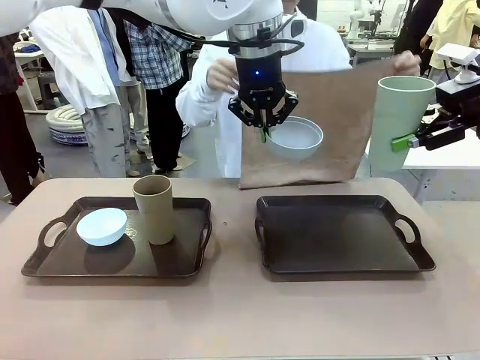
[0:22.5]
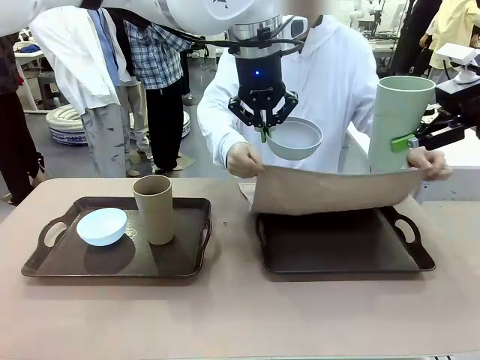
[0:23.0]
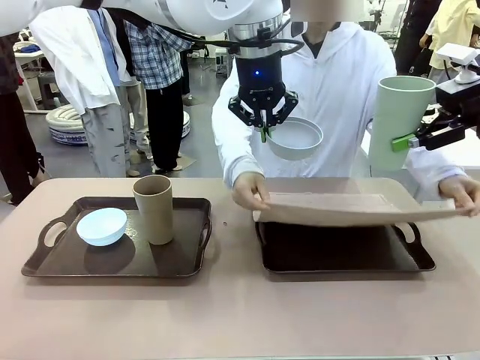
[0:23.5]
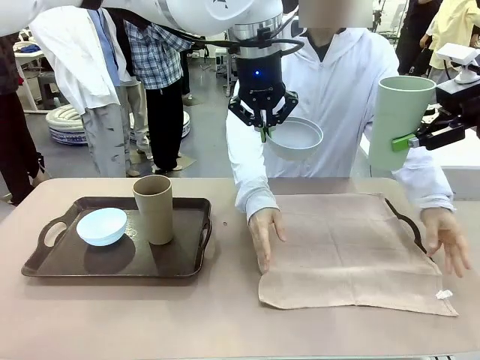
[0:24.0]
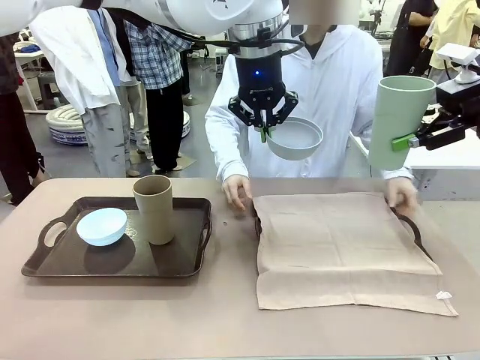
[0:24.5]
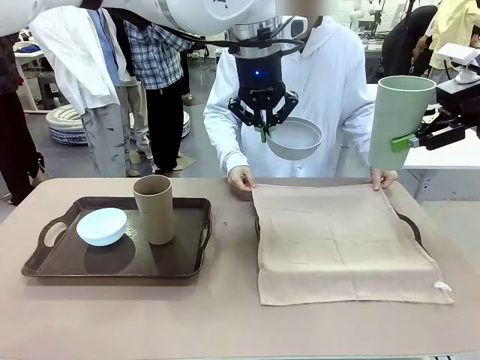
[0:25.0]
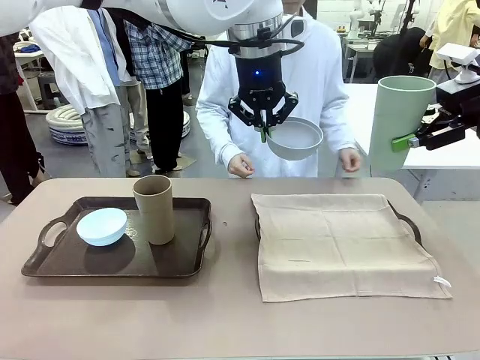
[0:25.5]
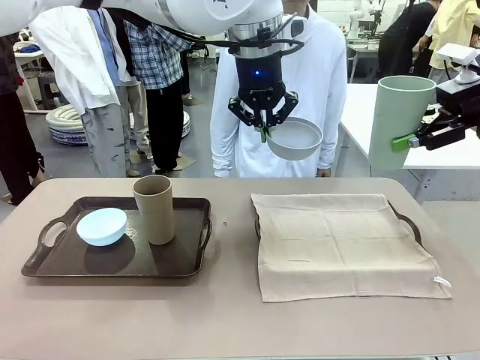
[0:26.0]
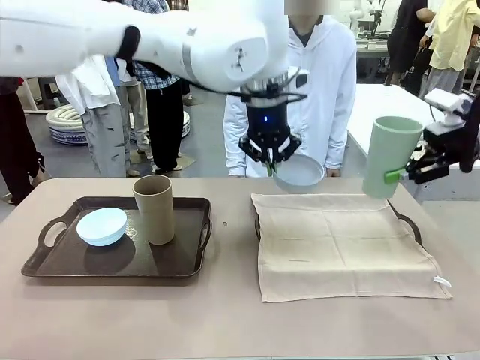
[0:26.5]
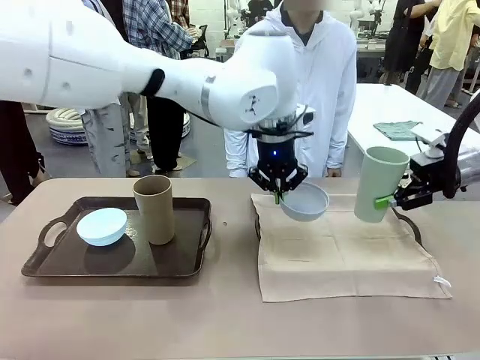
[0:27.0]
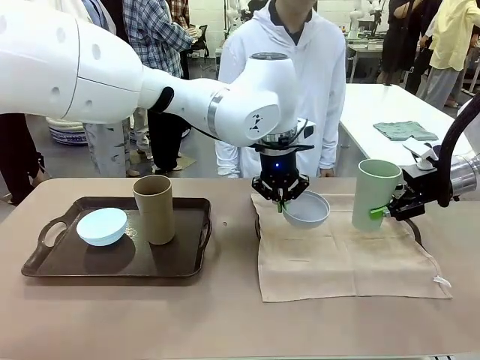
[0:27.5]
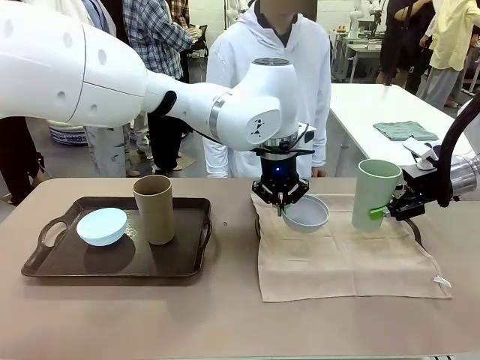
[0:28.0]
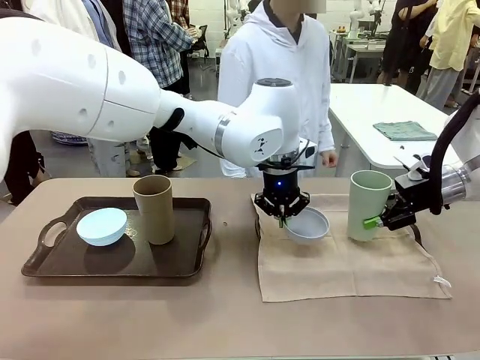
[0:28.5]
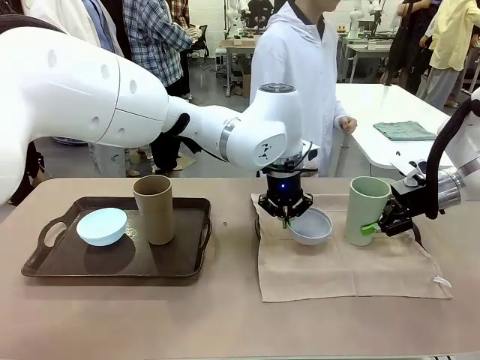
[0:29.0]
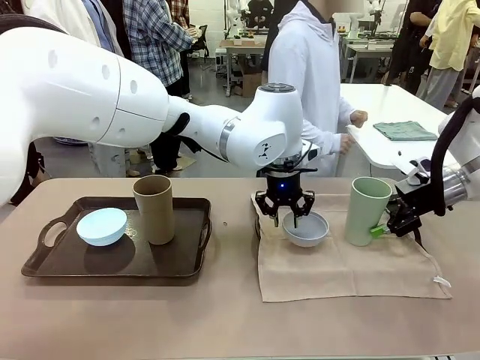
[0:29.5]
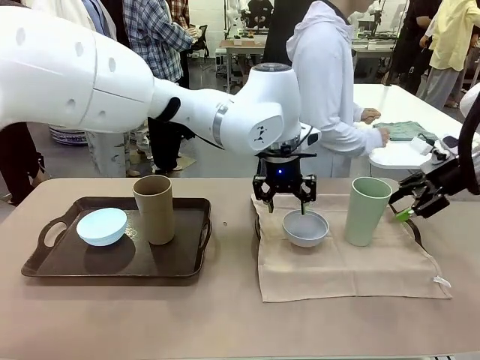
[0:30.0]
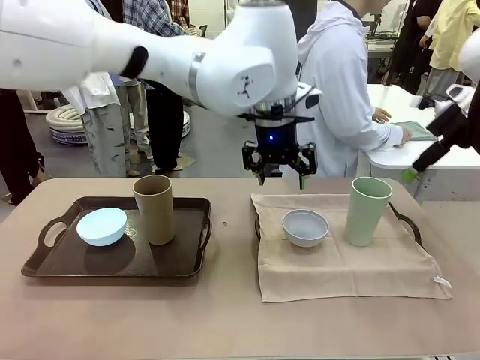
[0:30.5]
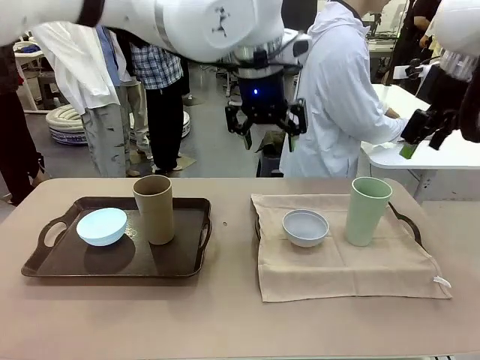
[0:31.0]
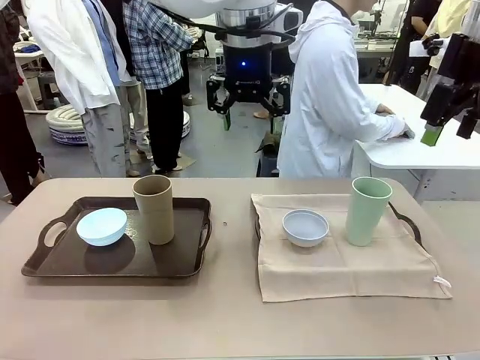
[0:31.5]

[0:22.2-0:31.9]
Robot: Place the Picnic Bowl and Reusable plastic cup back onto the Handle tray in front of the human's position.
Person: The human returns to the human table to pick up another napkin and walks to the robot table to stand in front of the tray without a napkin.

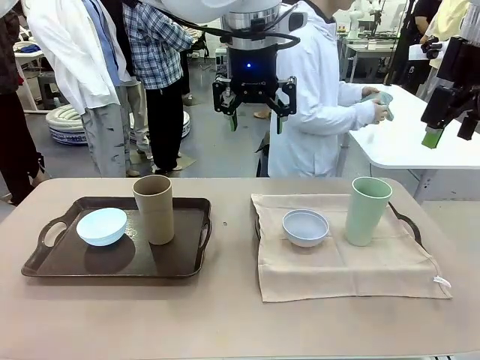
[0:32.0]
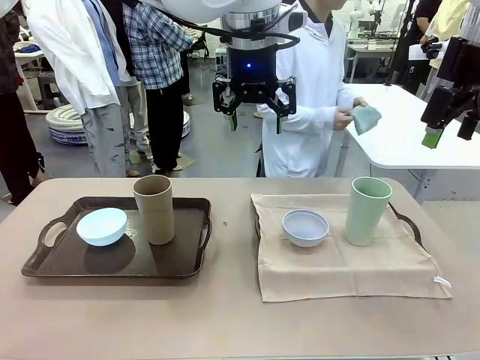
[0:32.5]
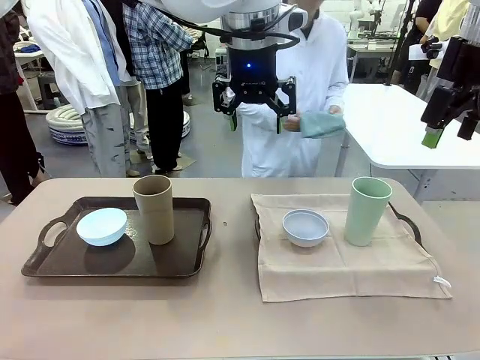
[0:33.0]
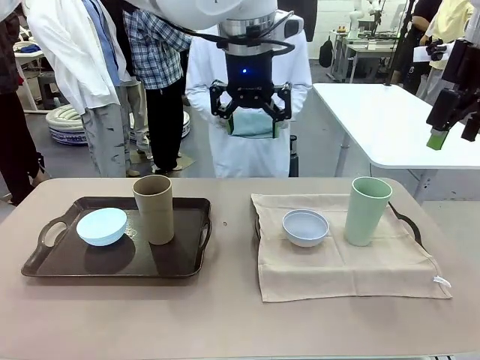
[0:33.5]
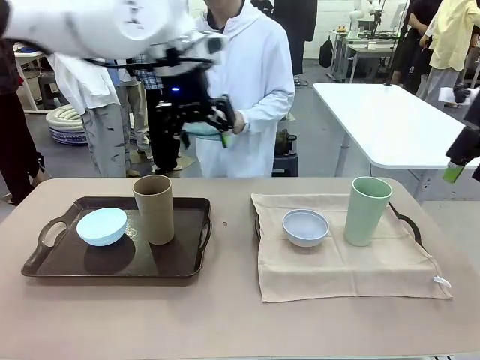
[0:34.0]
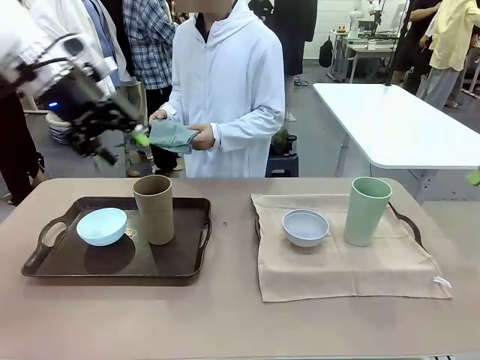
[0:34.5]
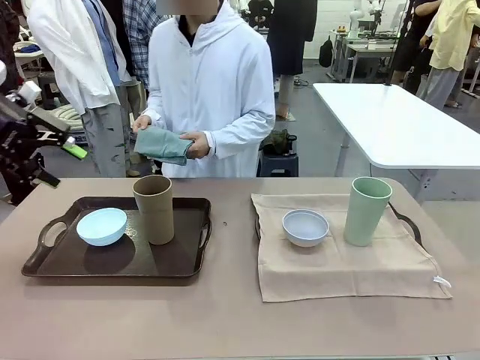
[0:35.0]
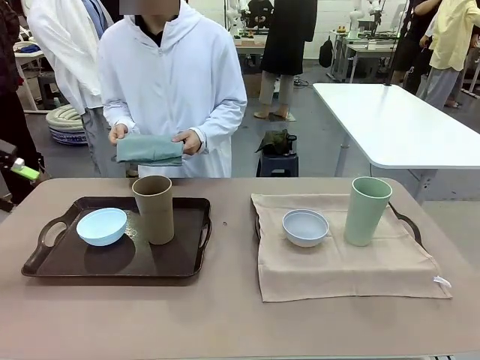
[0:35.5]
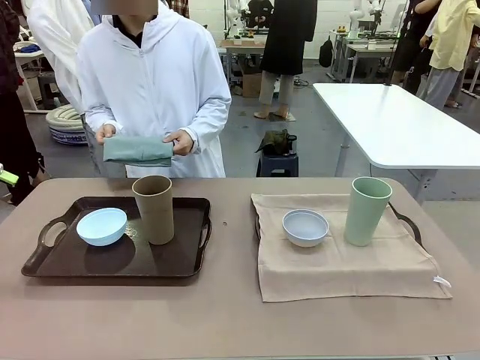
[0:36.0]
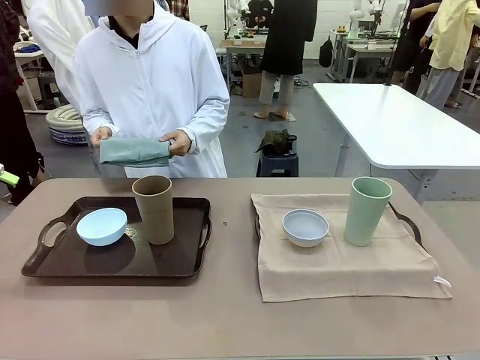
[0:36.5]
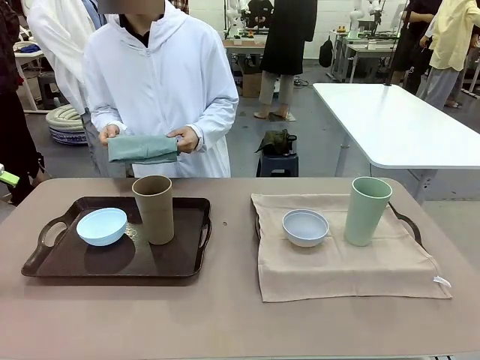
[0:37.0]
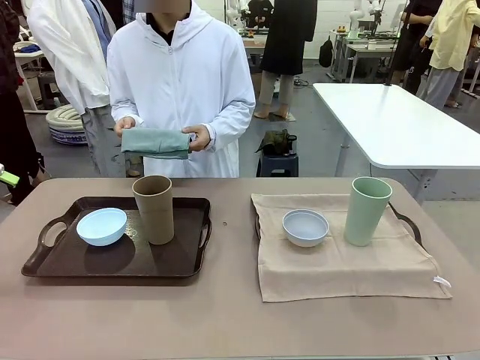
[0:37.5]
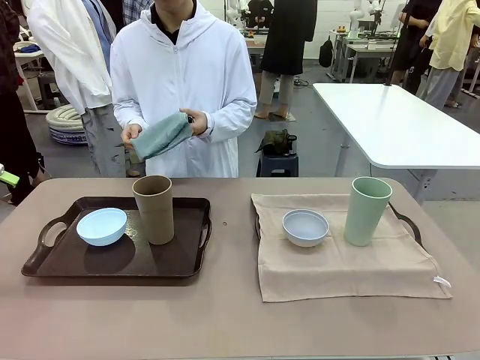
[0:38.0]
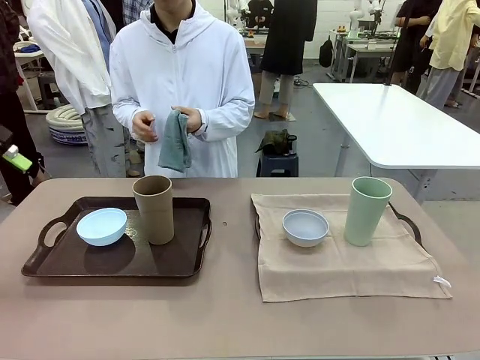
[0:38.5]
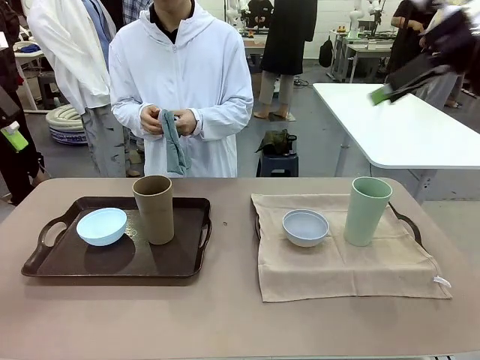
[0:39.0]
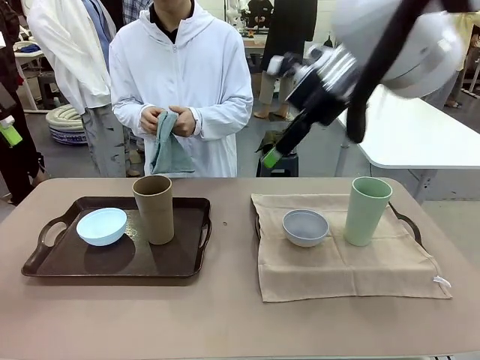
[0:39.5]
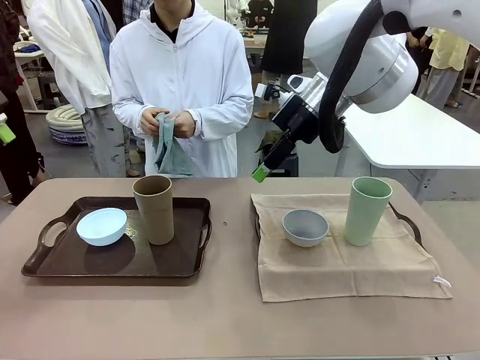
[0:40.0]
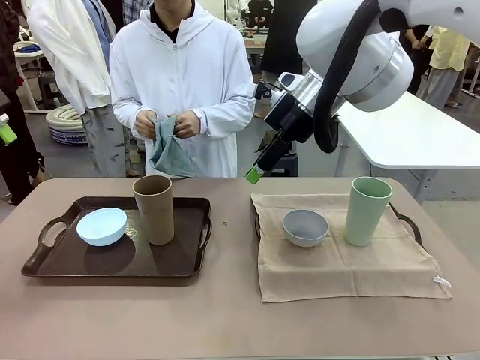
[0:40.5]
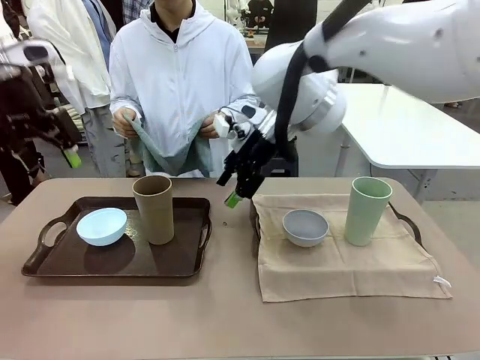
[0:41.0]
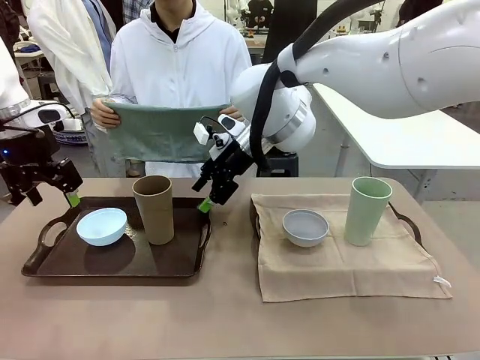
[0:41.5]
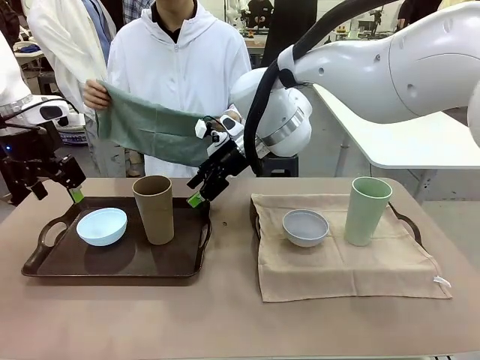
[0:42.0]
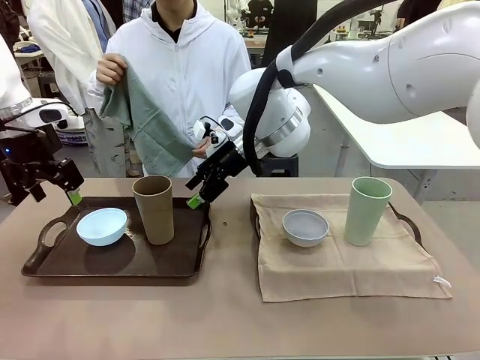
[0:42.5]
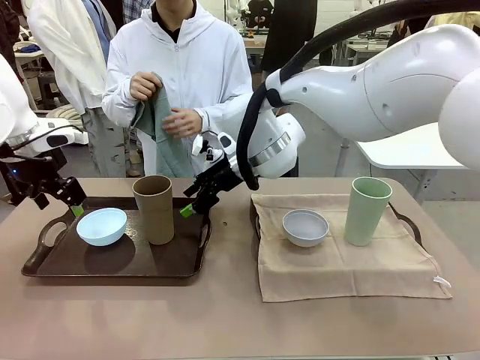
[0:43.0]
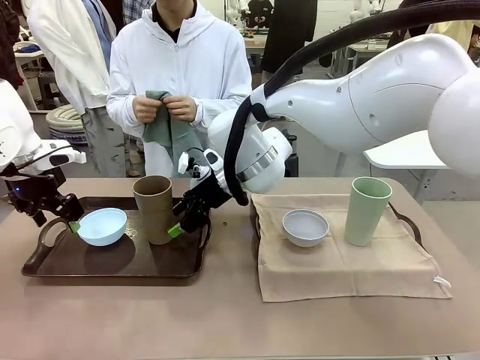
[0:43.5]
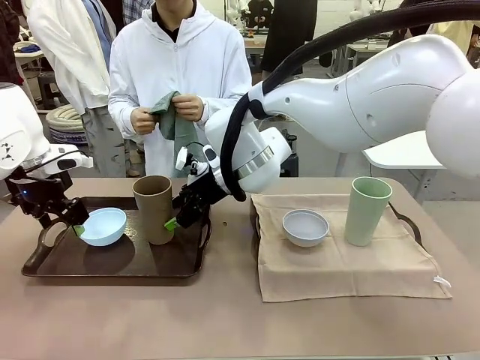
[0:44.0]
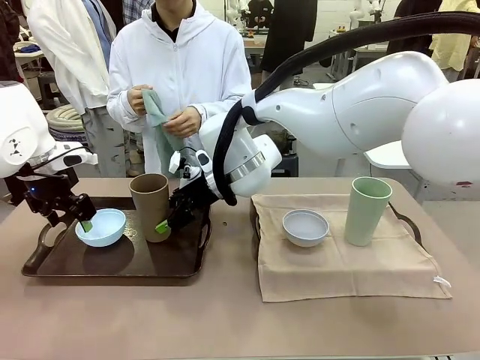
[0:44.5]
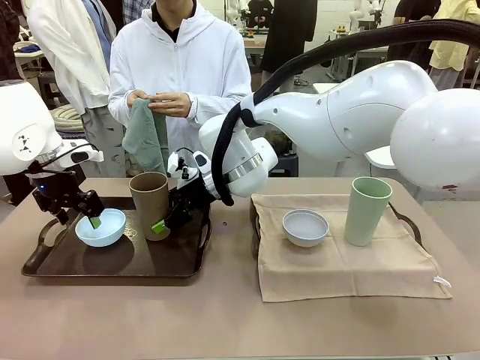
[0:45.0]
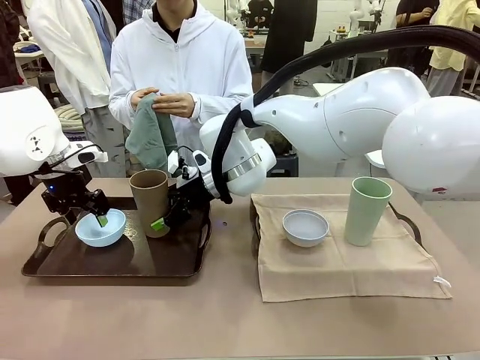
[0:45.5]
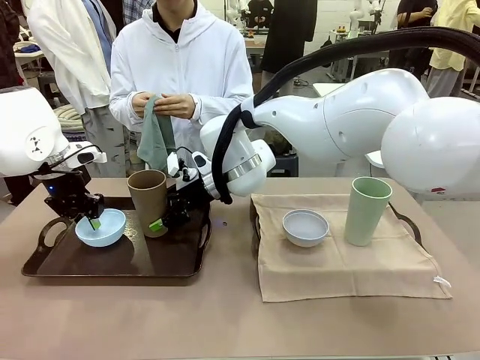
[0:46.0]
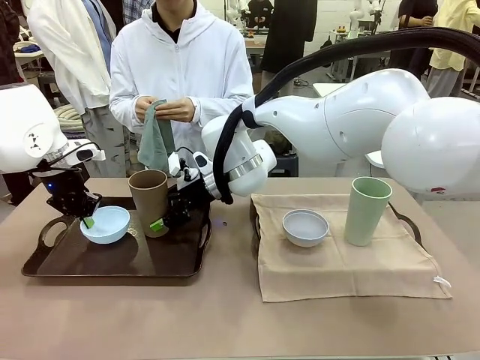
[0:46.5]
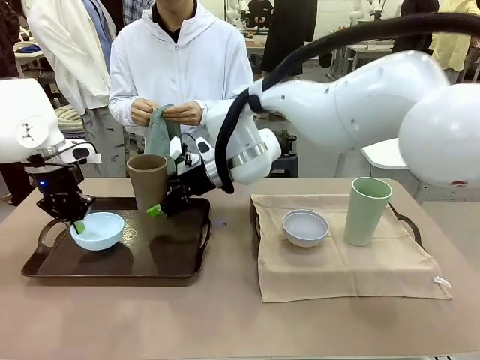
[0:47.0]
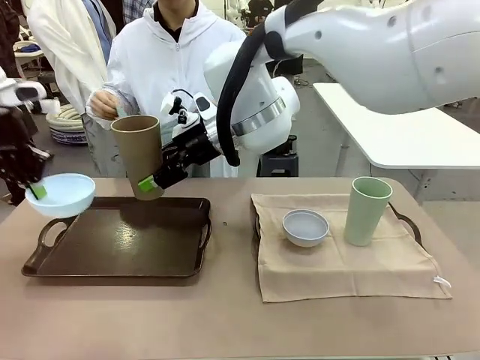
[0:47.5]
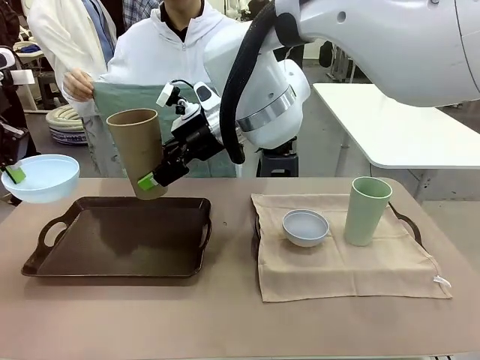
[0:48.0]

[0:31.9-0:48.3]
Robot: Pick up the Picnic Bowl and Reusable plastic cup from the Handle tray in front of the human's position and hold them in the air.
